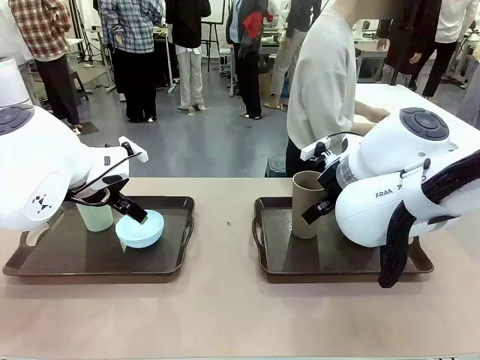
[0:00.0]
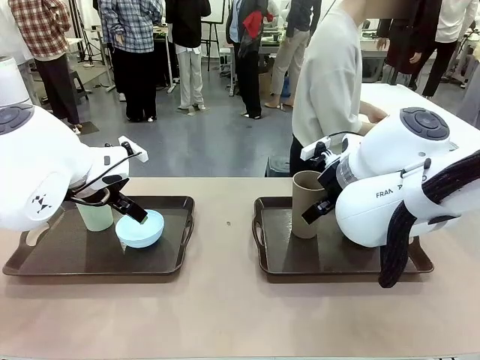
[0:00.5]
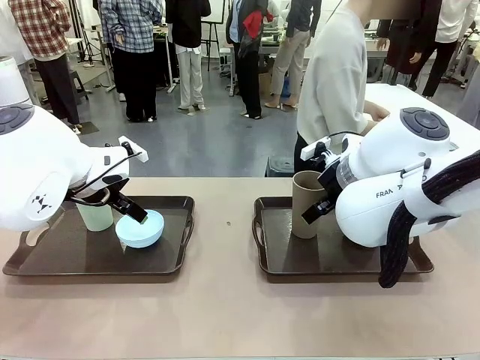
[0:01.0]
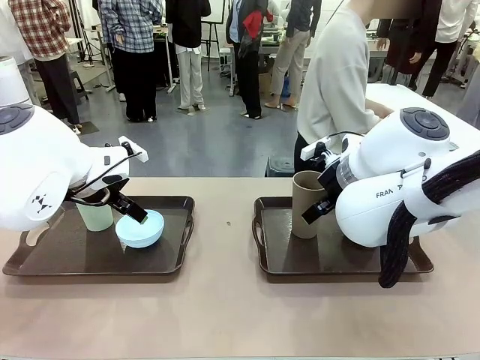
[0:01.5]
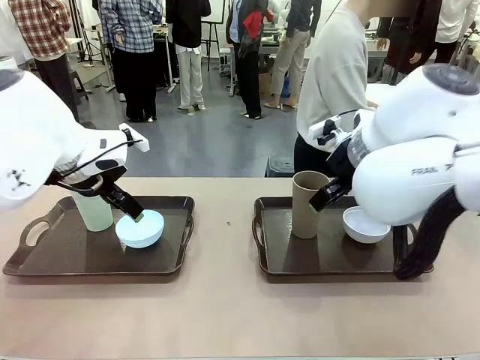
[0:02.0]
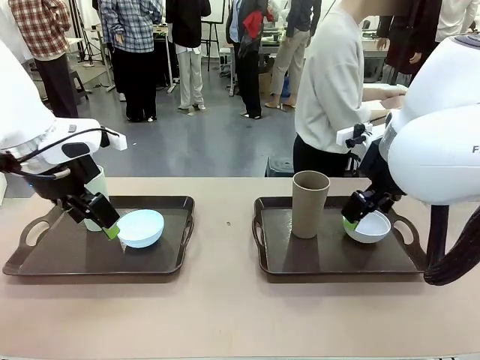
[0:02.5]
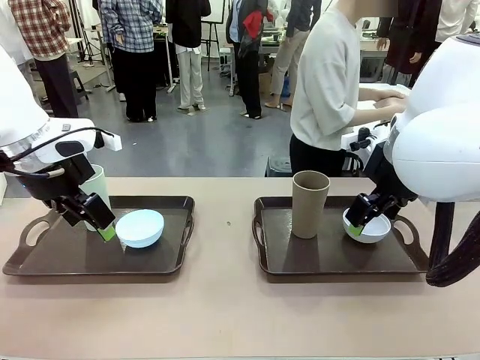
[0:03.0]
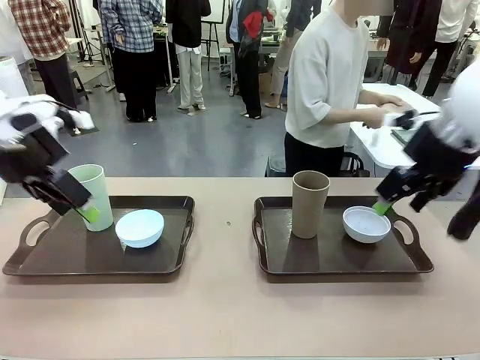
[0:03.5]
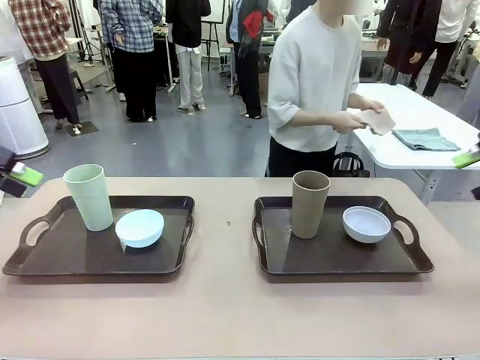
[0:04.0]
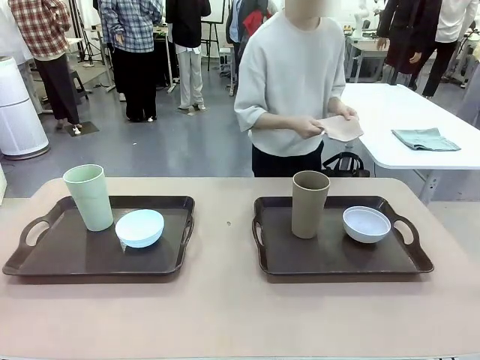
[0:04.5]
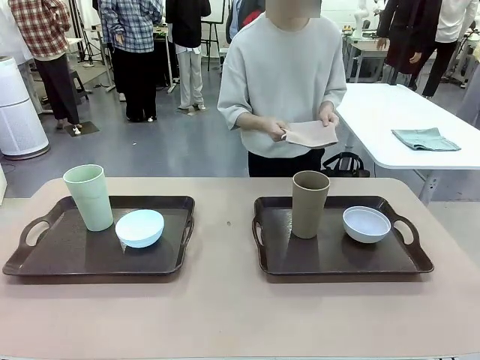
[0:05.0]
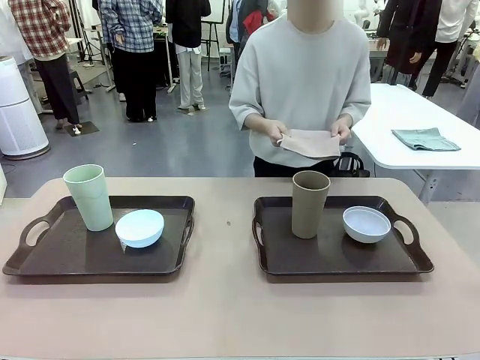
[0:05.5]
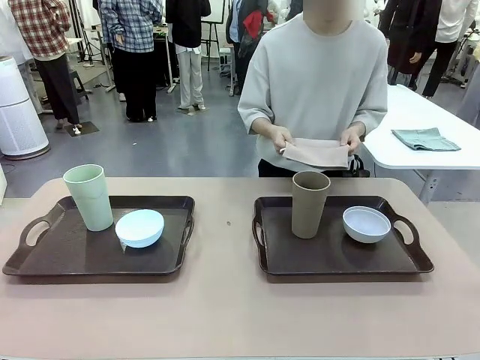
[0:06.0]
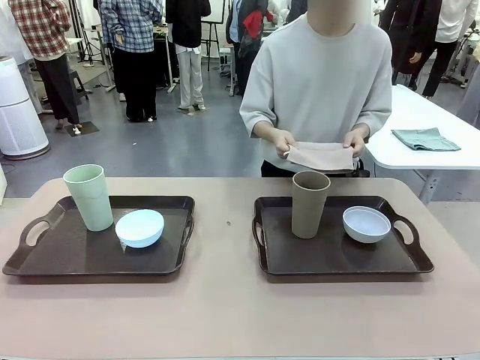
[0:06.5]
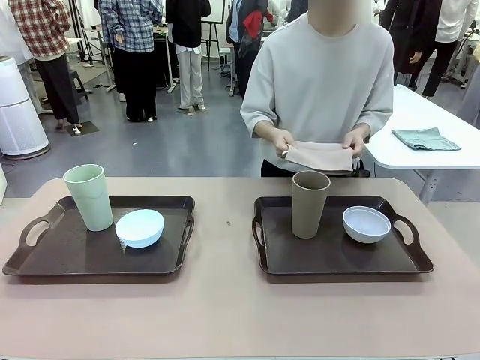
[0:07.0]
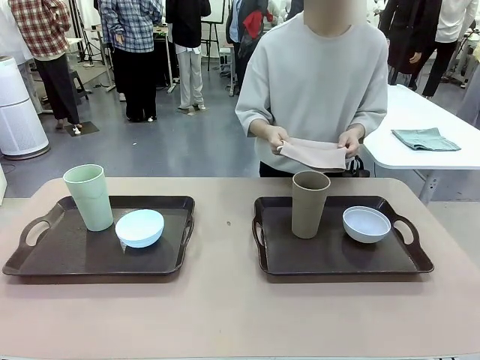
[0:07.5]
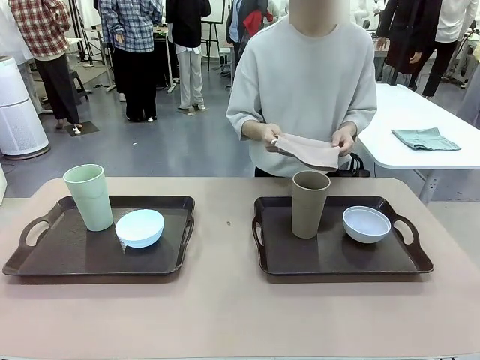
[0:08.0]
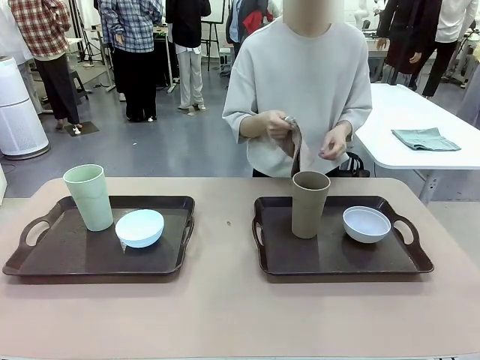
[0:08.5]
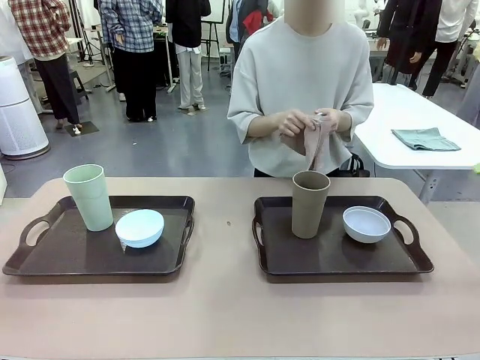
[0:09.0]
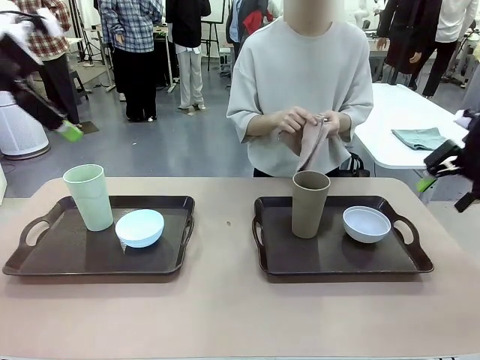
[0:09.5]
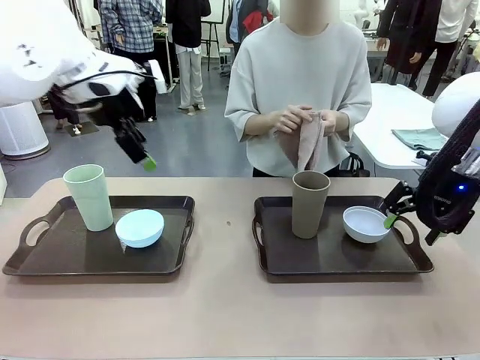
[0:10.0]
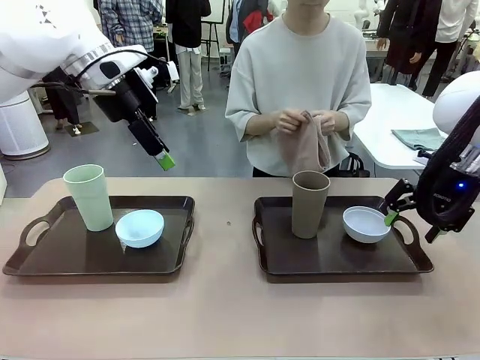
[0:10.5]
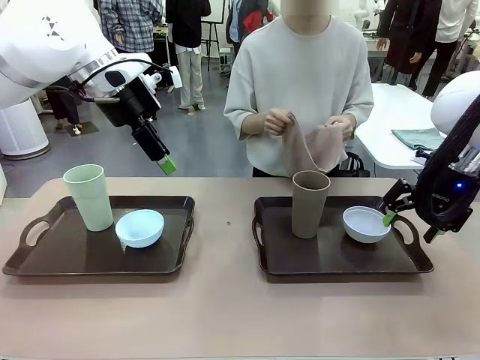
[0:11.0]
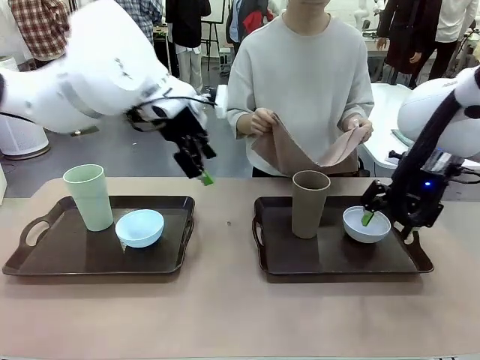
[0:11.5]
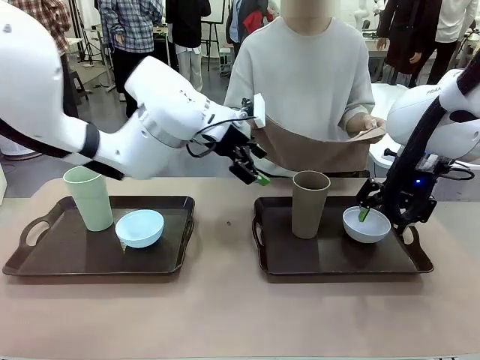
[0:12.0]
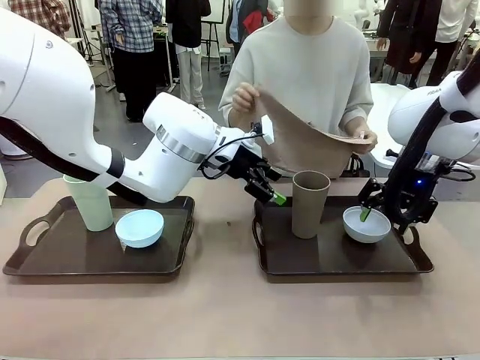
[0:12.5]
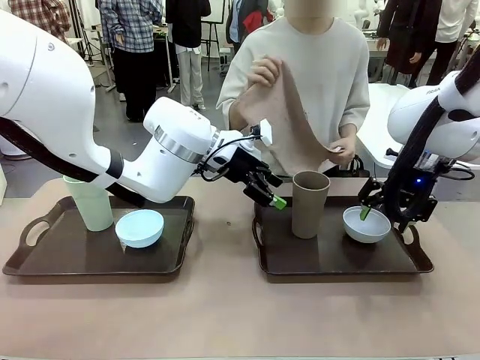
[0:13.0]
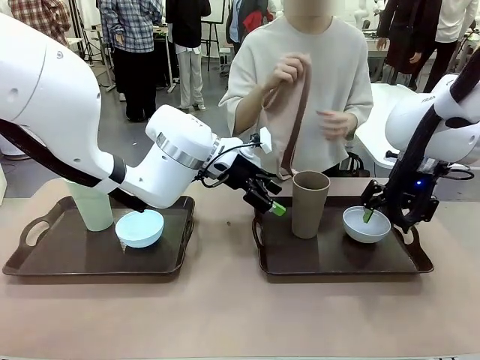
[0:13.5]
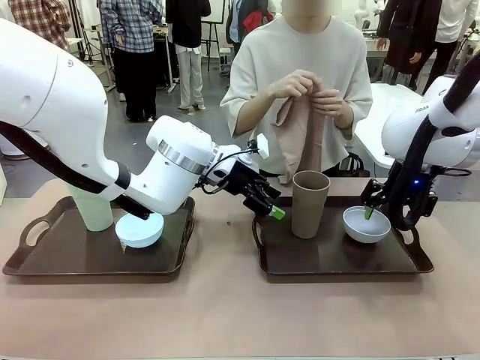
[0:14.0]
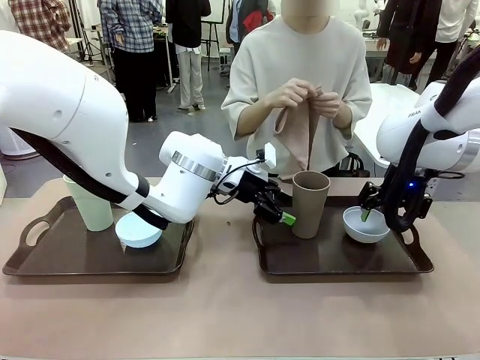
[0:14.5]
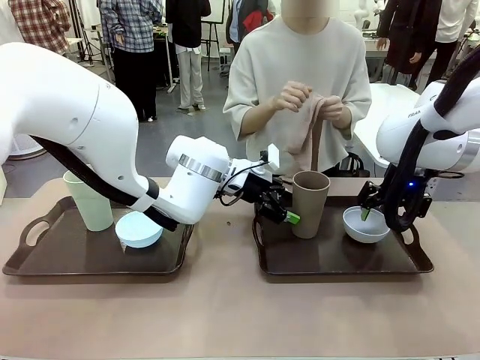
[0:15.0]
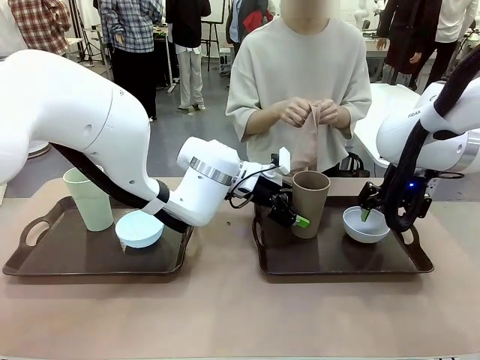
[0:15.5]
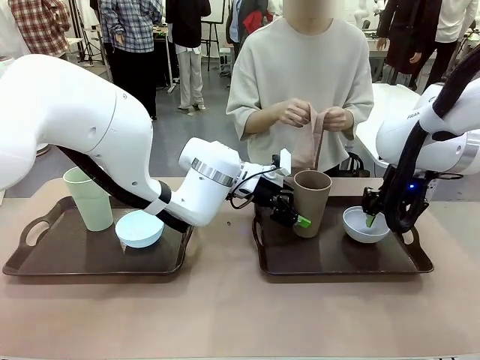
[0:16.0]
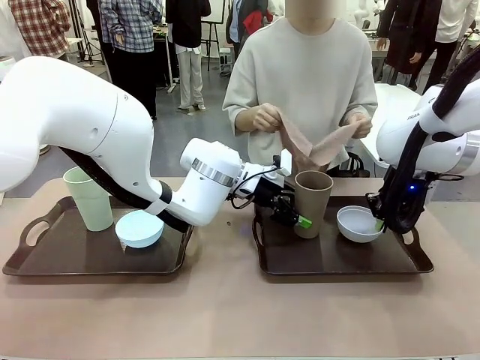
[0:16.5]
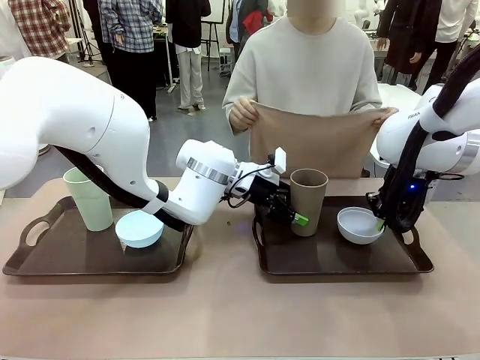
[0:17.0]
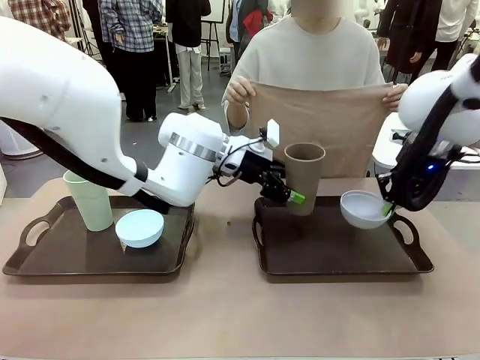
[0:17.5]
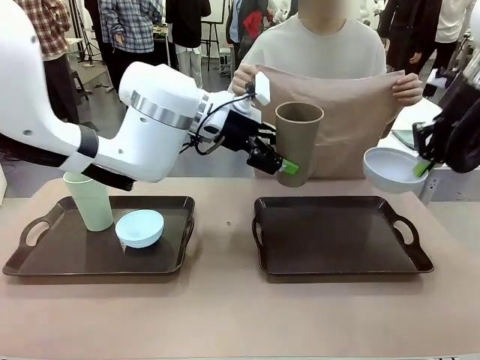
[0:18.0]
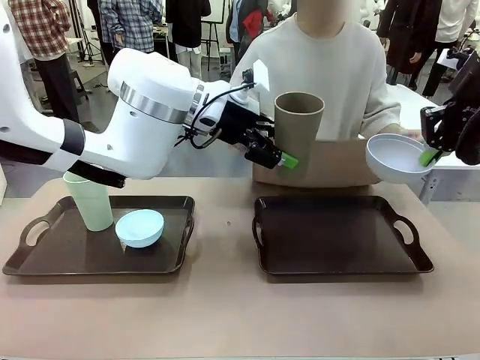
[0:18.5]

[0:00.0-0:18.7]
Robot: Pick up the Picnic Bowl and Reusable plastic cup from the Handle tray in front of the human's position and hold them in the air.
Person: The human picks up the top napkin from the stack on the human table and walks to the robot table to stand in front of one of the two trays. When the robot lifts the bowl and the cup, the human unfolds the napkin and lays the napkin flat on the tray.

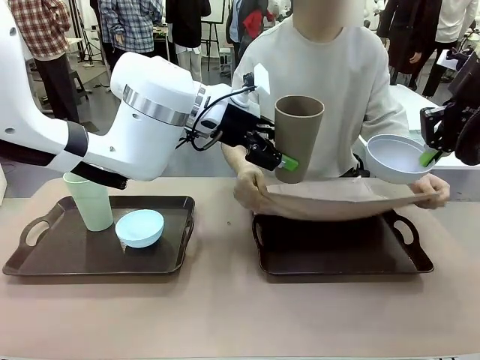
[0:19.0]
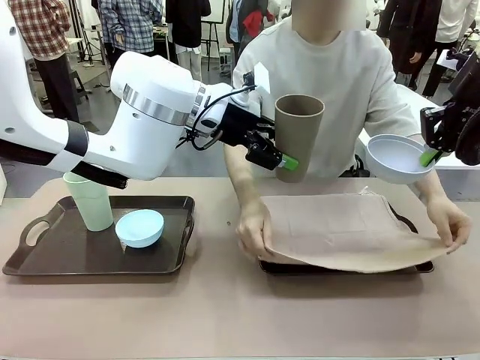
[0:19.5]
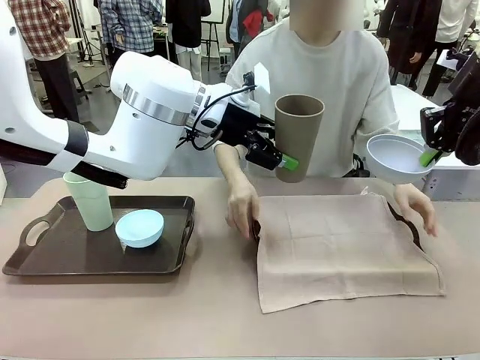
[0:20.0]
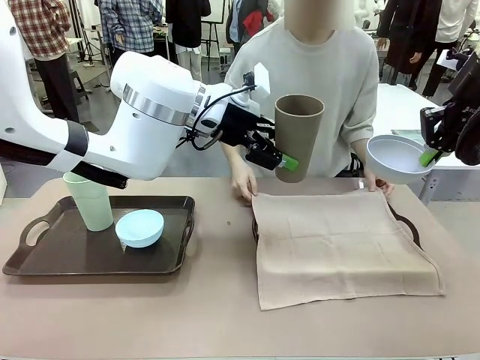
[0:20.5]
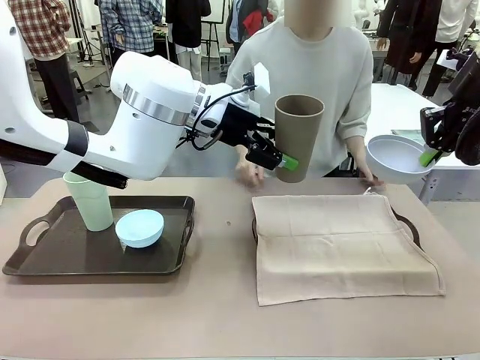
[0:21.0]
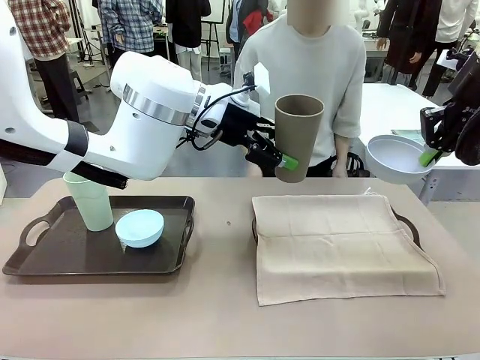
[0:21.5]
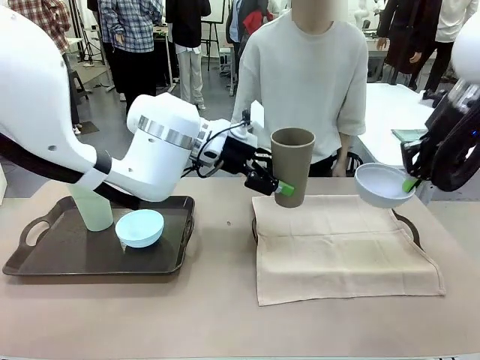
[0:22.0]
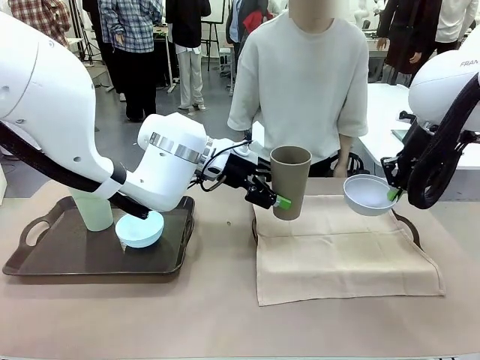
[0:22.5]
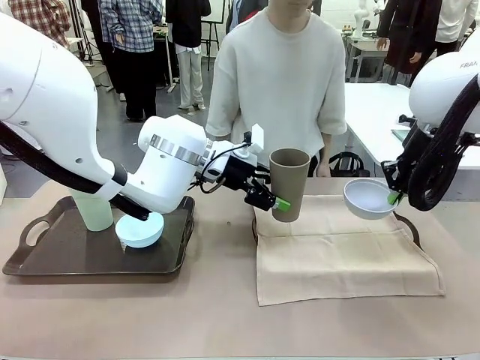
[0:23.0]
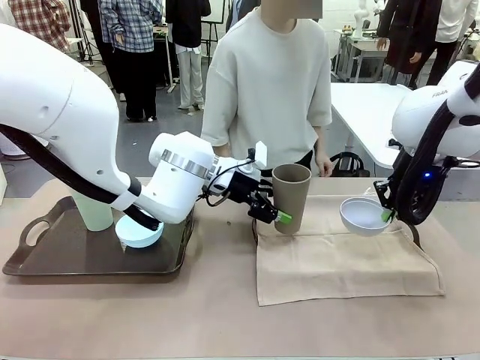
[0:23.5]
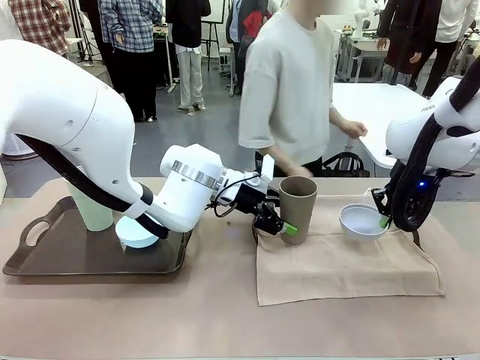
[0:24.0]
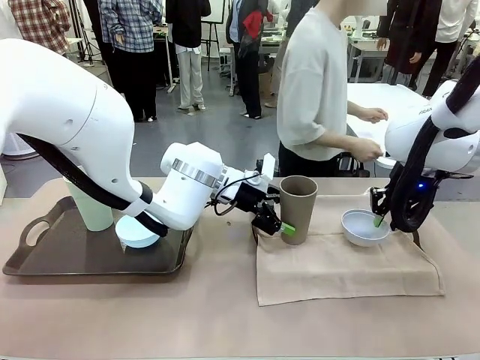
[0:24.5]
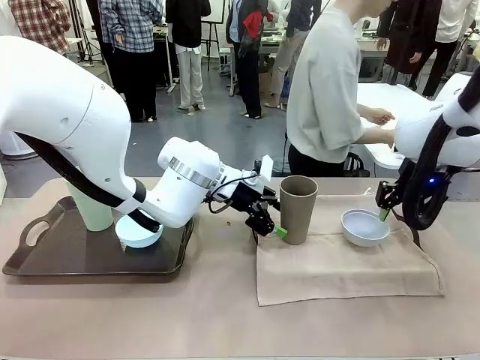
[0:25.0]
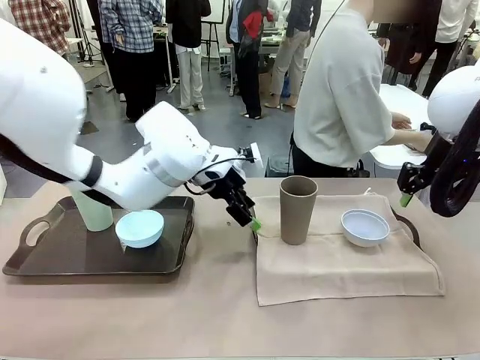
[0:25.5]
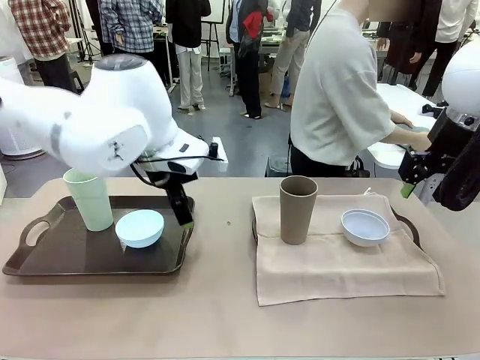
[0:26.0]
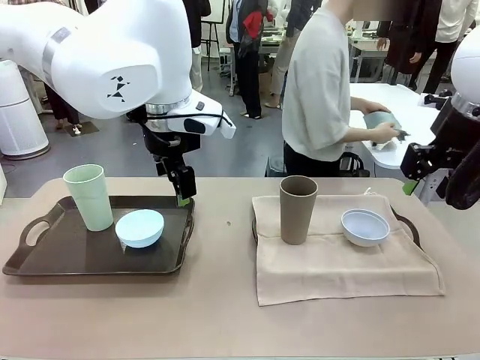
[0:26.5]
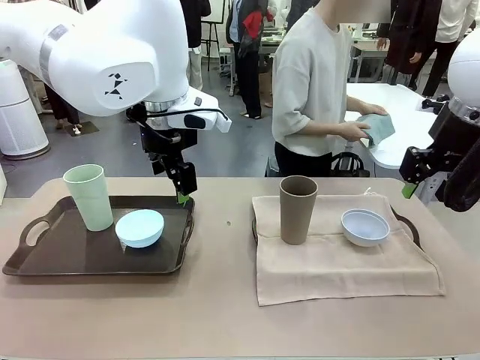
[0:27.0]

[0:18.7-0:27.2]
Robot: Place the Picnic Bowl and Reusable plastic cup back onto the Handle tray in front of the human's position.
Person: The human returns to the human table to pick up another napkin and walks to the robot table to stand in front of the tray without a napkin.
